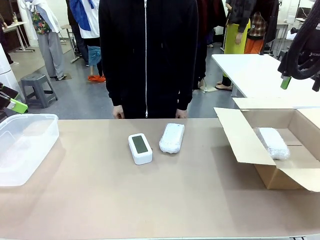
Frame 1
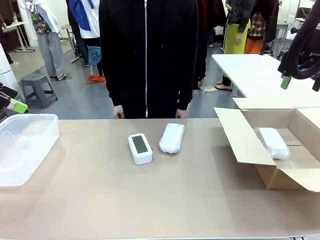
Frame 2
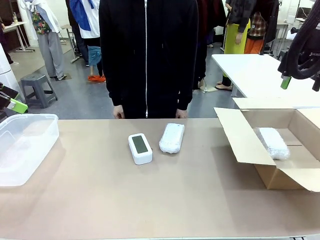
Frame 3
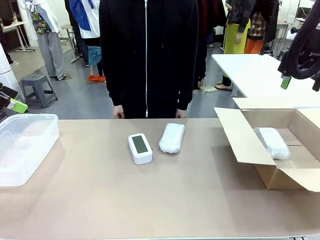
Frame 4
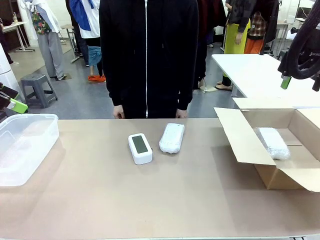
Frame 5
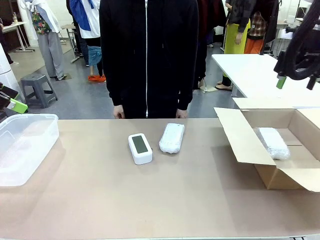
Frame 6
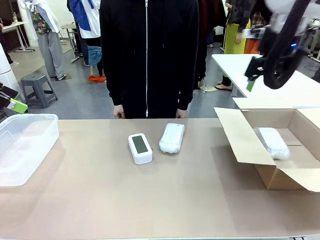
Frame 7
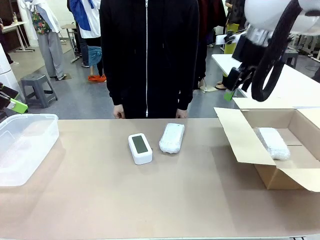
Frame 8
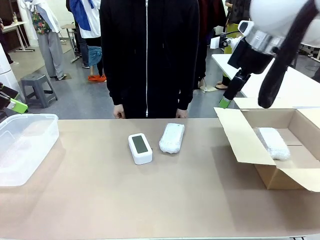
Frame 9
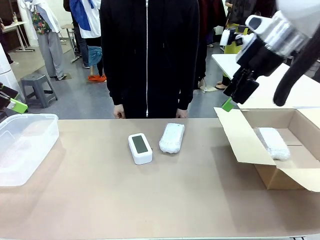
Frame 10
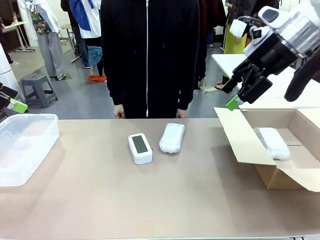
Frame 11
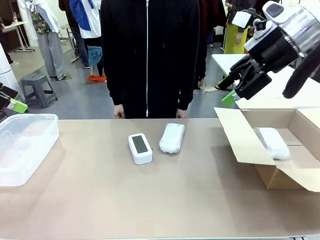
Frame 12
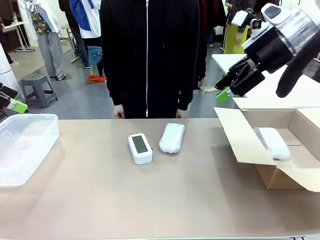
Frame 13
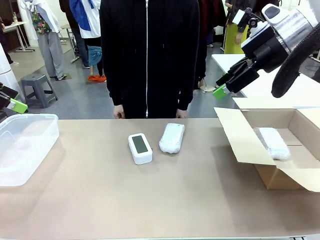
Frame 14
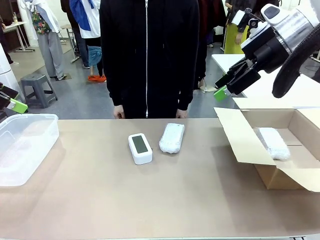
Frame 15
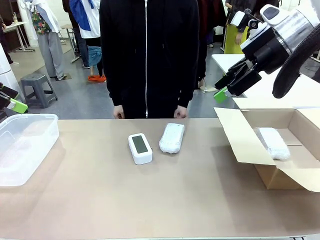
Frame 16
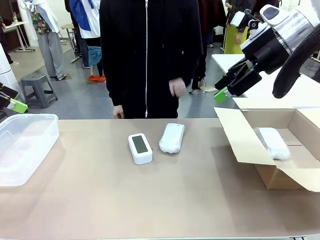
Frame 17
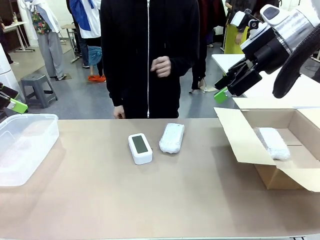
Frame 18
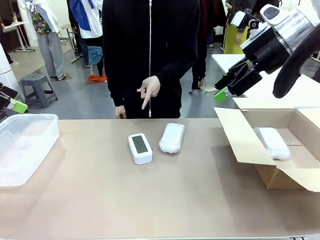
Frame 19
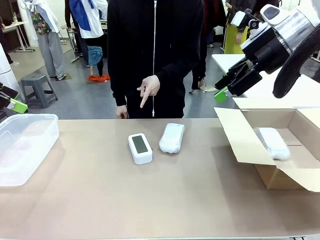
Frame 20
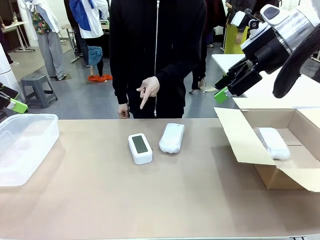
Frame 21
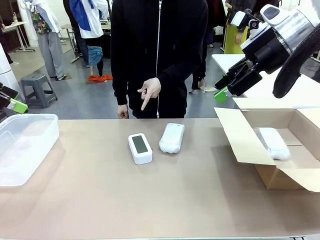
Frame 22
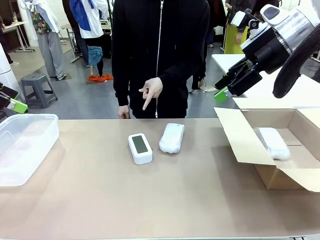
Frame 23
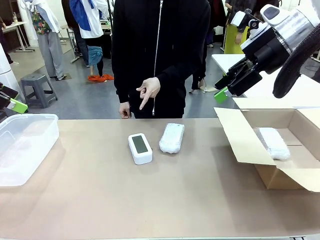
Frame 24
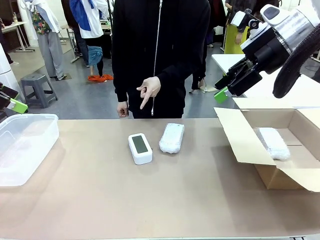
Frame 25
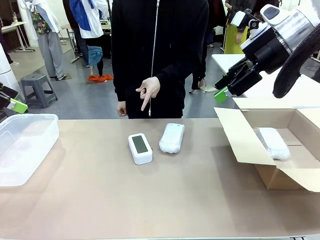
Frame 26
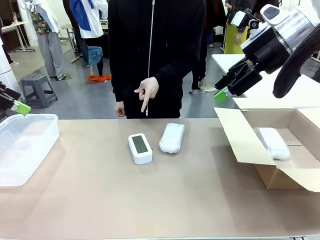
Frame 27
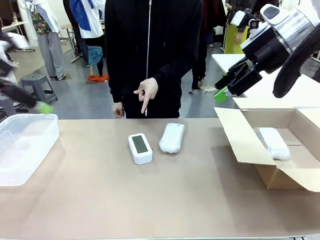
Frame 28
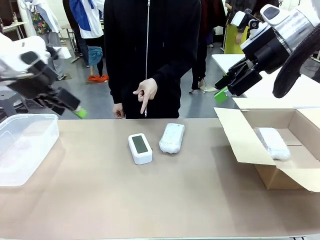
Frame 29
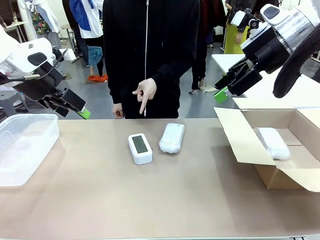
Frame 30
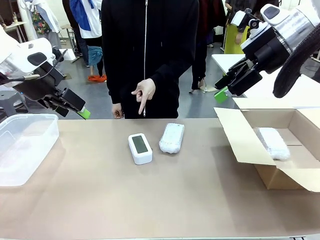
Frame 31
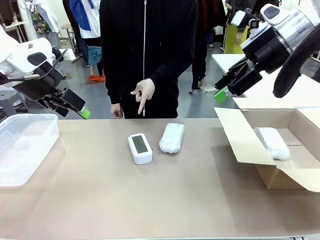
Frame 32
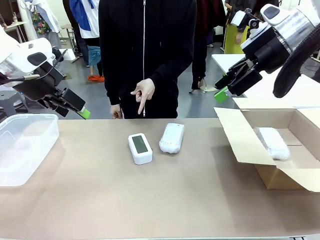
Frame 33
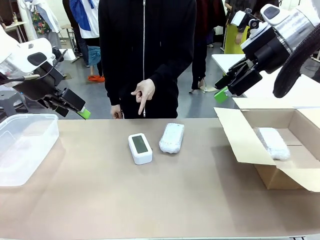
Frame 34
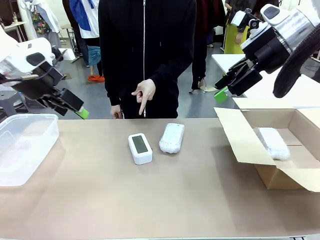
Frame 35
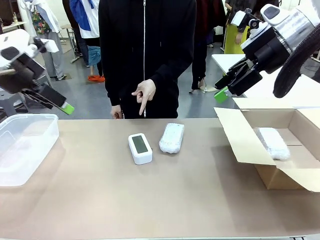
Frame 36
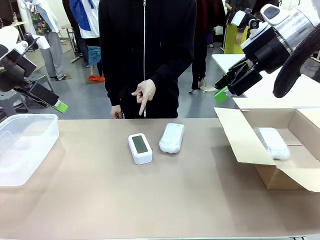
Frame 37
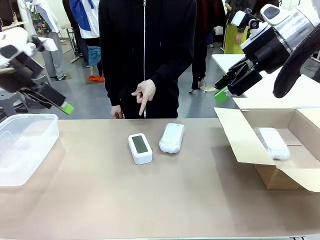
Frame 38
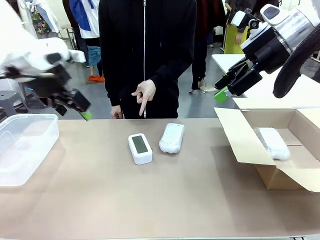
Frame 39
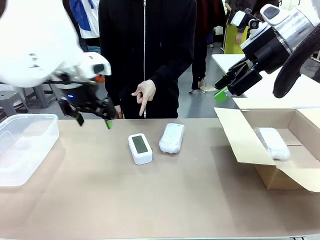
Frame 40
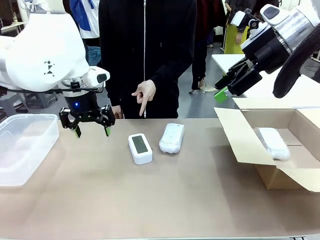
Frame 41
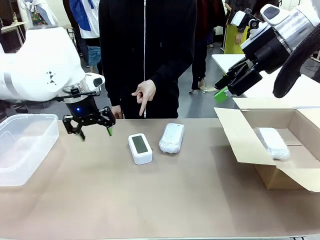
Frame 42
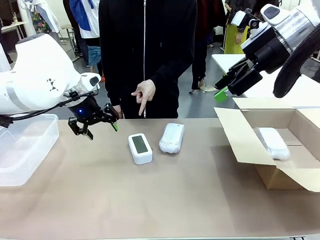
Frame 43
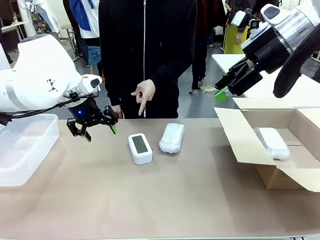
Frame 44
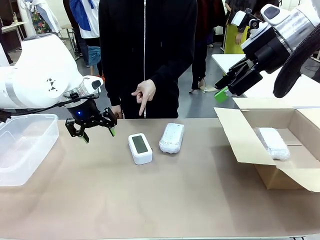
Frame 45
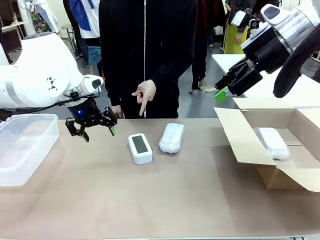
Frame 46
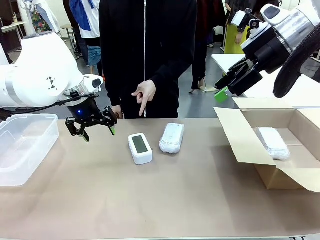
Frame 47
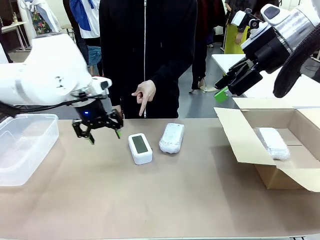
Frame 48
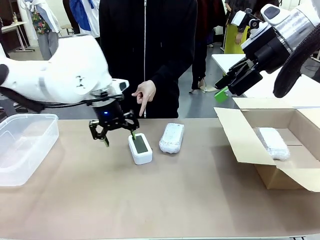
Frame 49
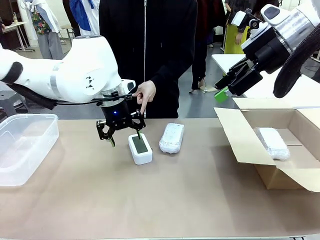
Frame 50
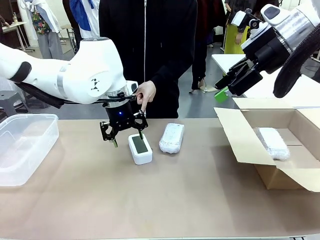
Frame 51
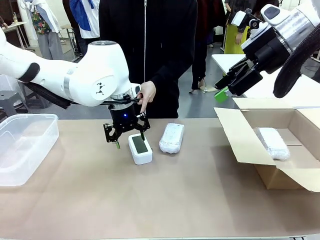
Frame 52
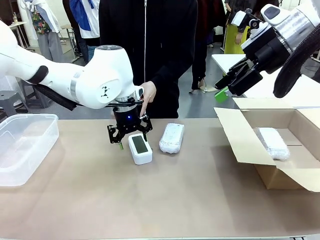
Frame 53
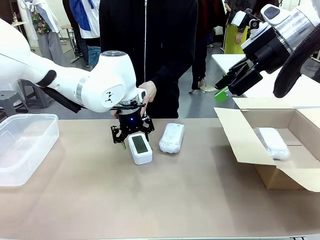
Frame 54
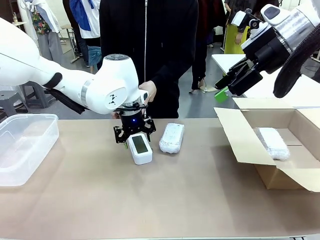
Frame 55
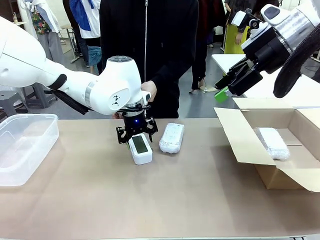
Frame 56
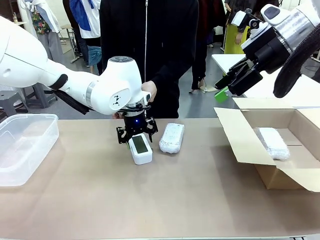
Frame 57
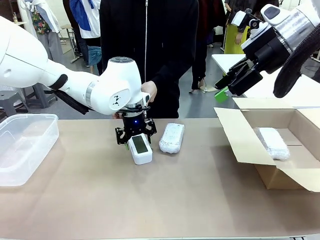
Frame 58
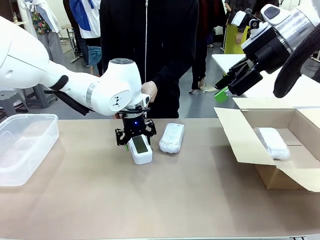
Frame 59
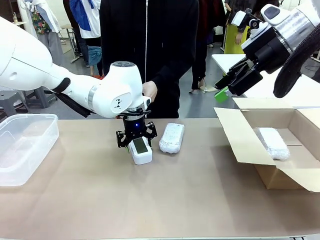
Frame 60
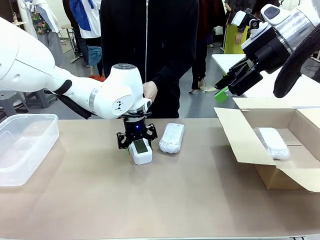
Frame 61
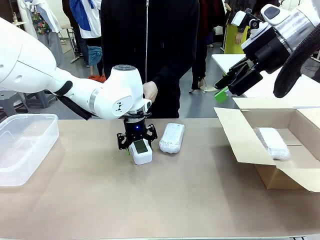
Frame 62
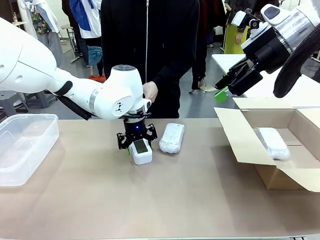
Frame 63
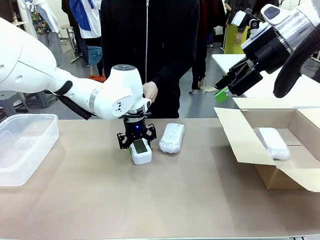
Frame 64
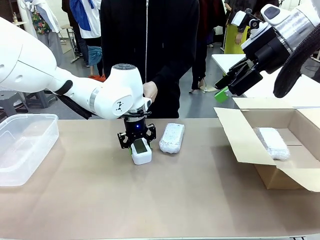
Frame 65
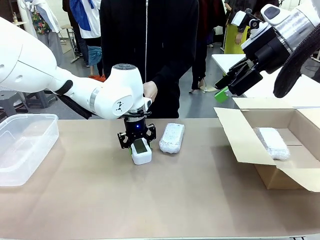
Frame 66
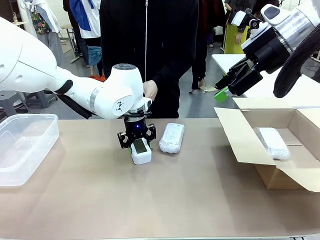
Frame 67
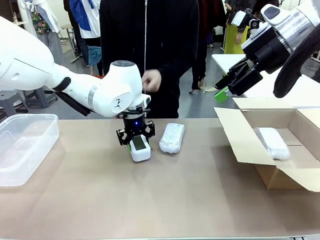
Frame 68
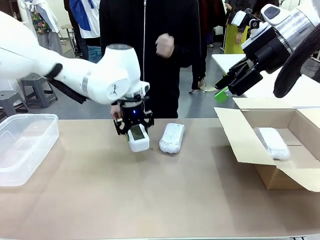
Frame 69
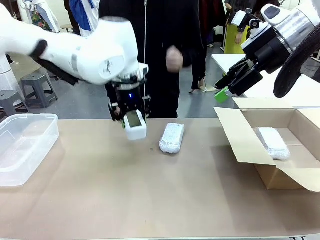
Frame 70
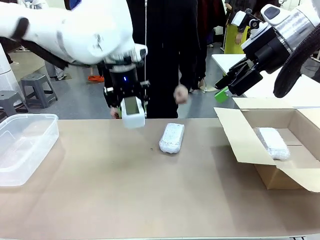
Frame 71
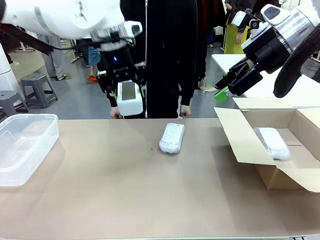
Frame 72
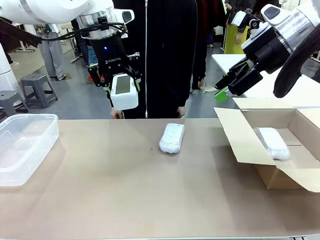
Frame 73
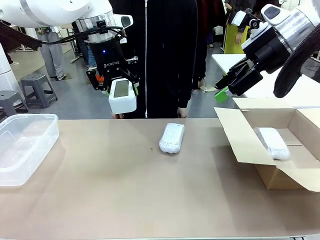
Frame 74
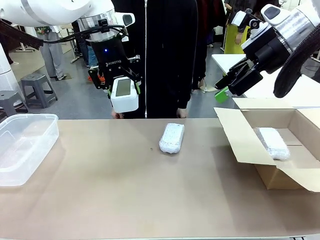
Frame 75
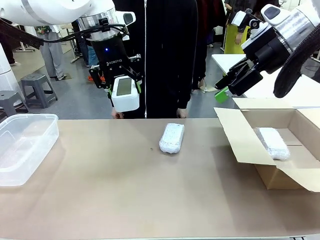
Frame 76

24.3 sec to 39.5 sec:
Task: Separate and place wrapped and unwrapped clocks.
Robot: Pick up the Digital clock indicated by the person.

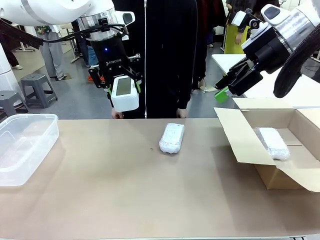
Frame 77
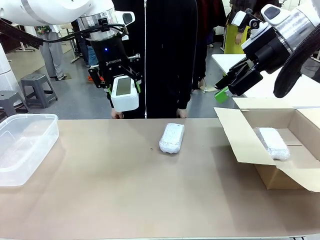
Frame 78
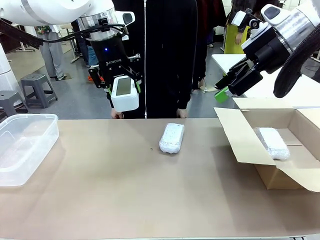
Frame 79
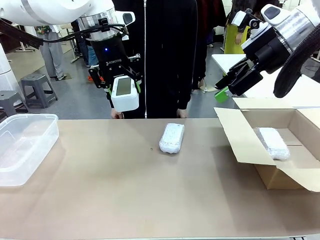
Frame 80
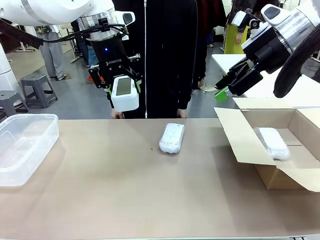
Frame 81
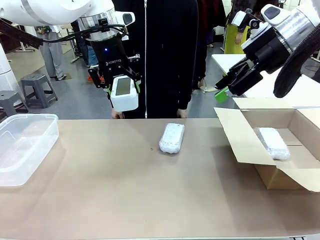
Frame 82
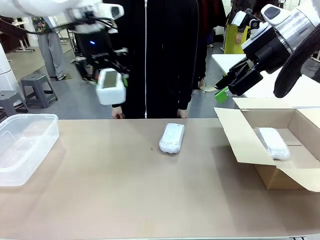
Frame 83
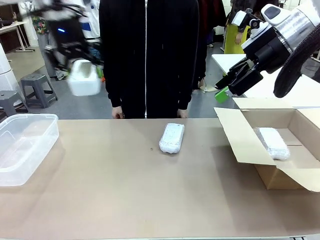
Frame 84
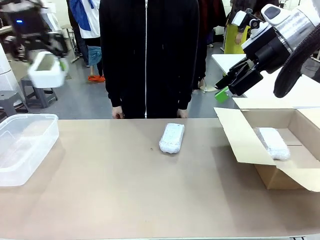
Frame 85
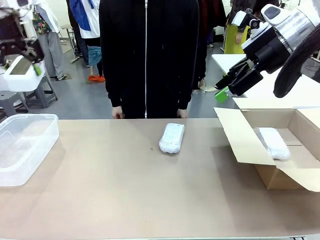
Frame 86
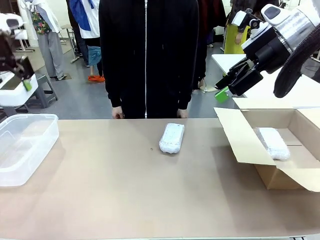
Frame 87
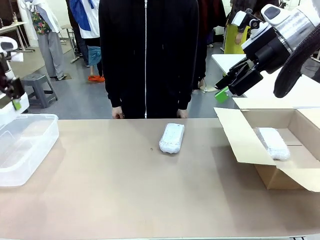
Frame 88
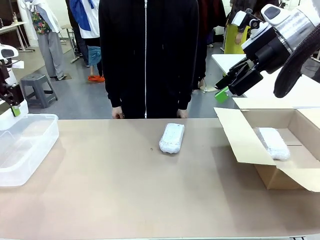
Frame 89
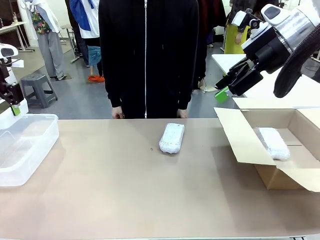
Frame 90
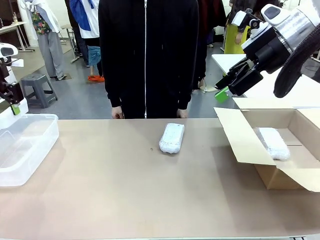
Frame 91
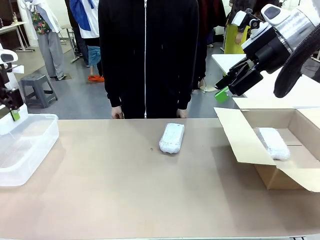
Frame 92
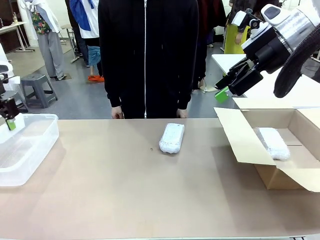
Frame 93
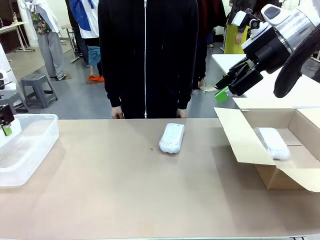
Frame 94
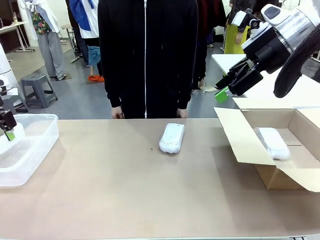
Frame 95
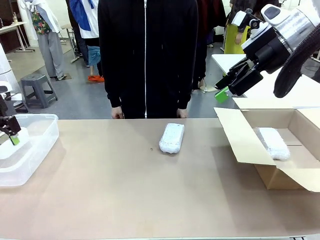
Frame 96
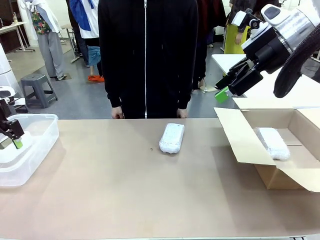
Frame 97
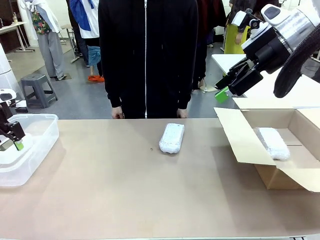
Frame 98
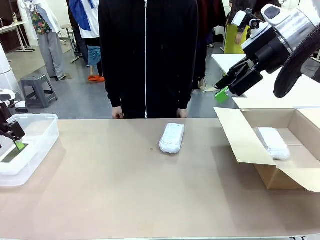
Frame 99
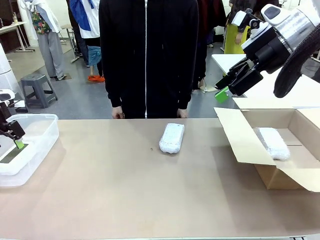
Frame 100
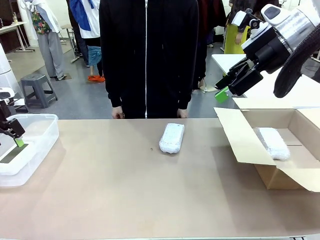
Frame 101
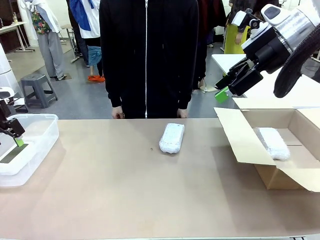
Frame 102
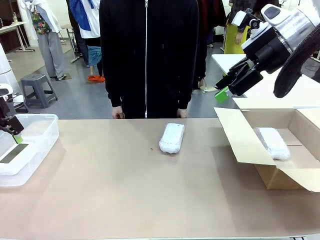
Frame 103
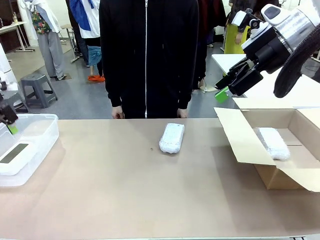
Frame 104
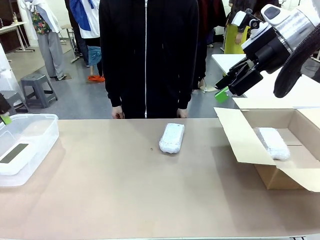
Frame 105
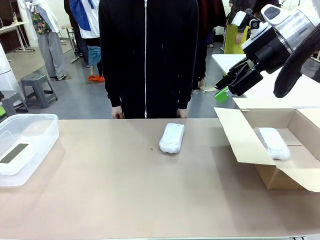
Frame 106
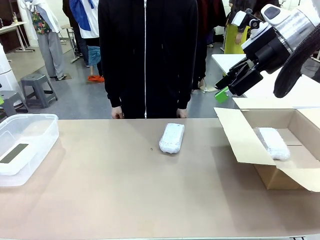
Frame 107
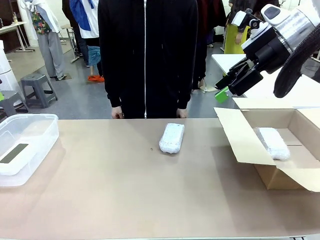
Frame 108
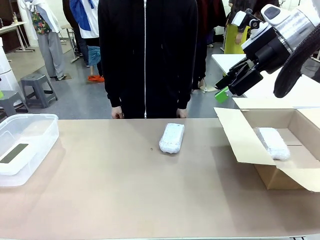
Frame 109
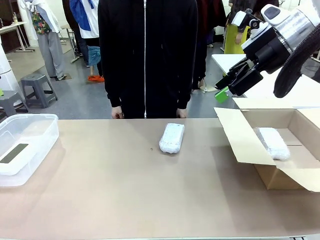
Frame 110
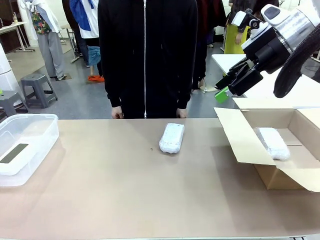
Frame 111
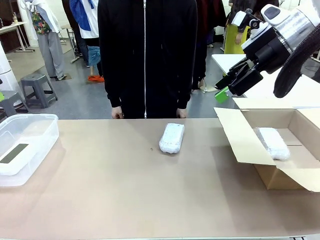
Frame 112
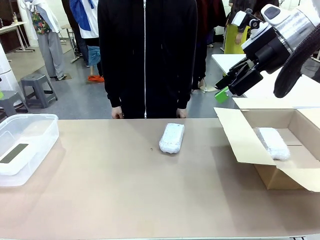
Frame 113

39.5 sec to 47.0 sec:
Robot: If the picked Digital clock is wrapped, place it in the Package Box ; if not, place it in the Organizing box.
